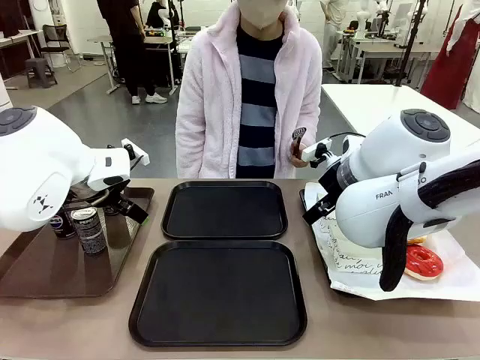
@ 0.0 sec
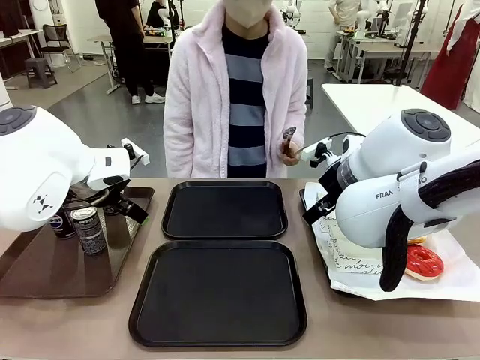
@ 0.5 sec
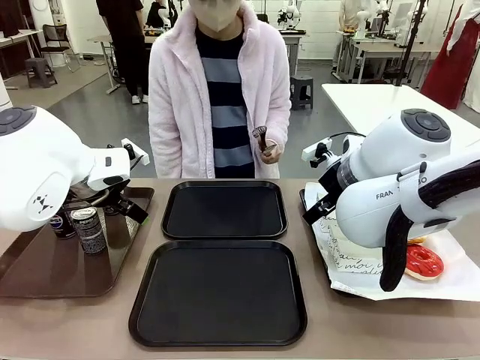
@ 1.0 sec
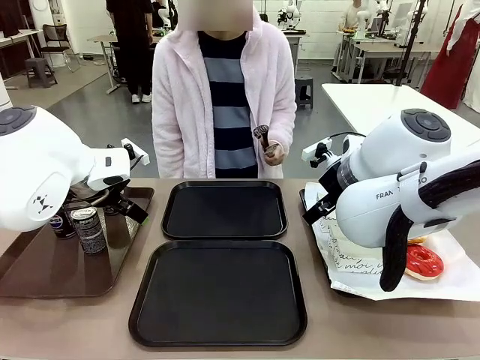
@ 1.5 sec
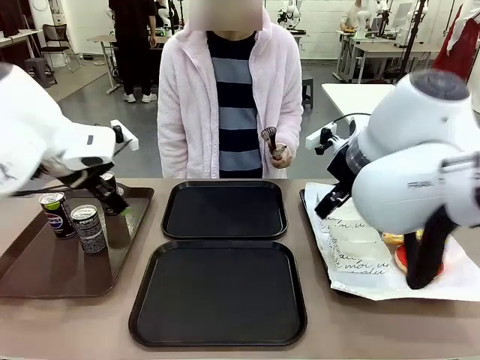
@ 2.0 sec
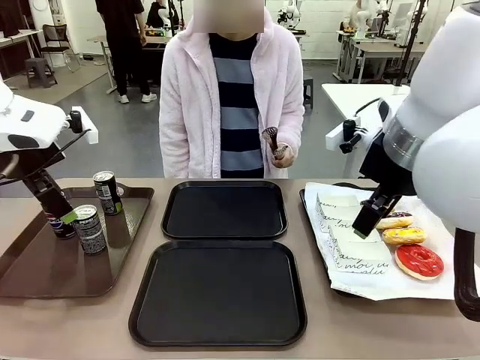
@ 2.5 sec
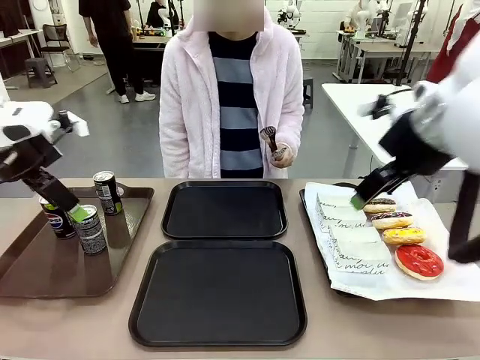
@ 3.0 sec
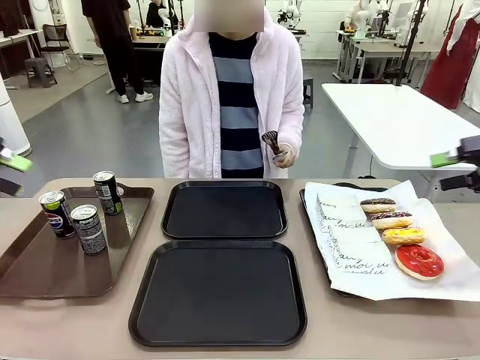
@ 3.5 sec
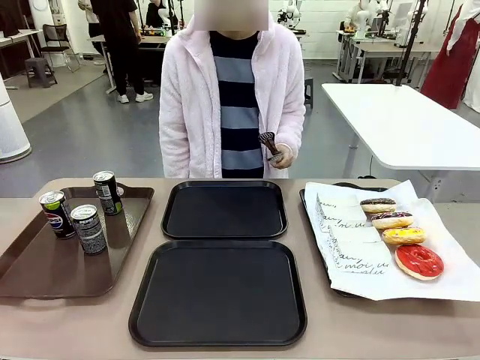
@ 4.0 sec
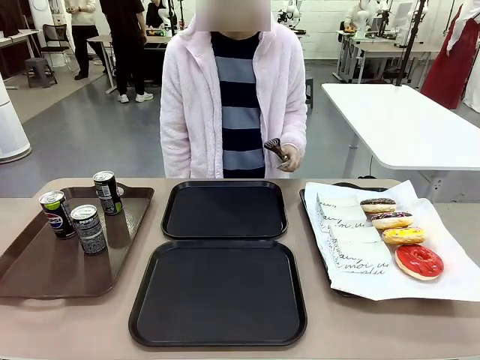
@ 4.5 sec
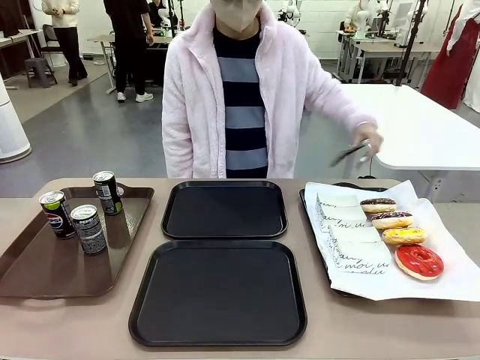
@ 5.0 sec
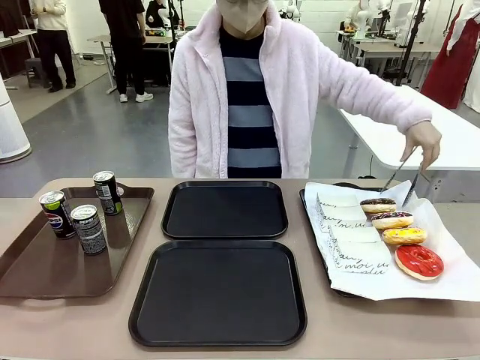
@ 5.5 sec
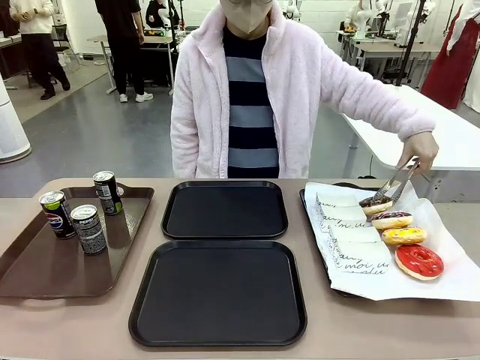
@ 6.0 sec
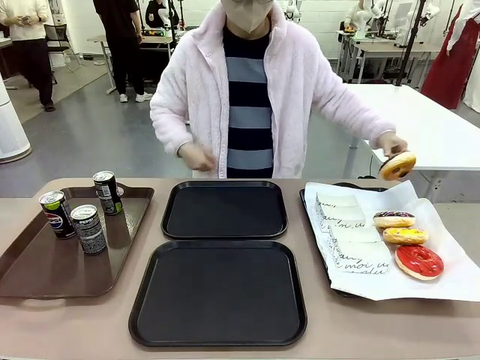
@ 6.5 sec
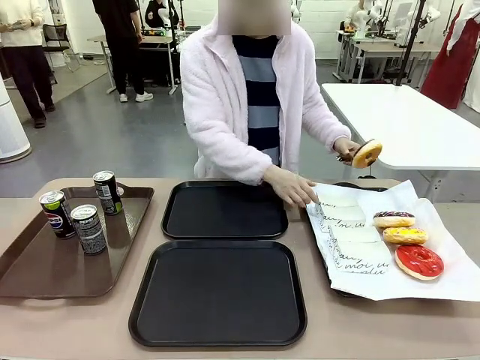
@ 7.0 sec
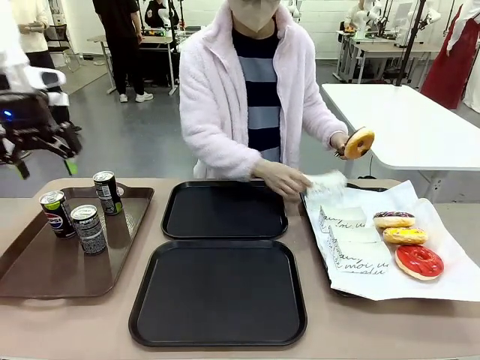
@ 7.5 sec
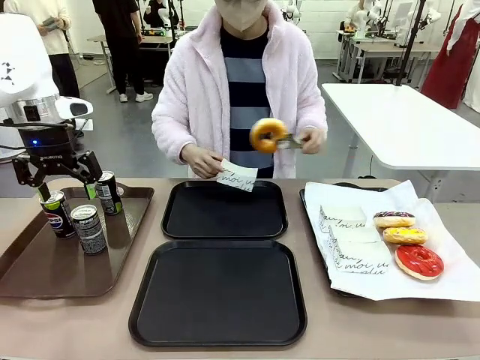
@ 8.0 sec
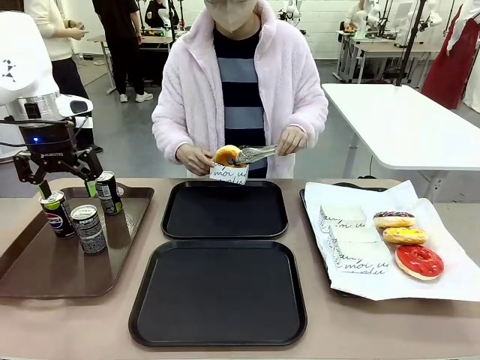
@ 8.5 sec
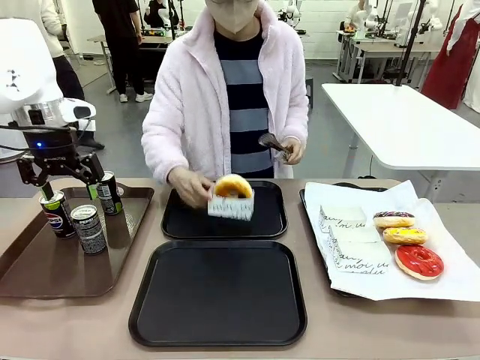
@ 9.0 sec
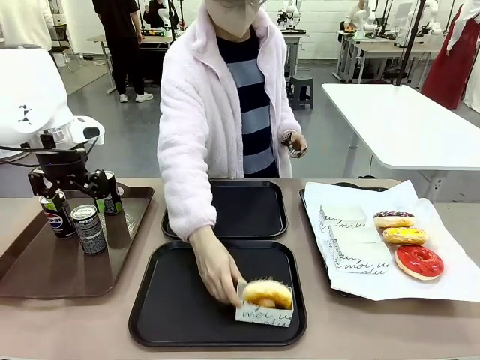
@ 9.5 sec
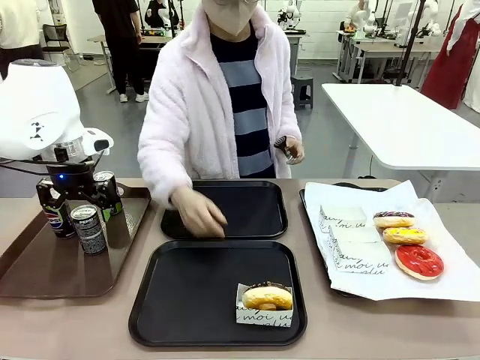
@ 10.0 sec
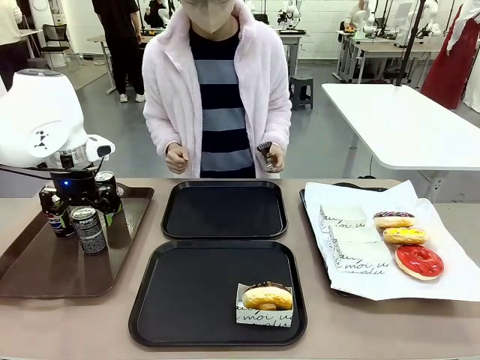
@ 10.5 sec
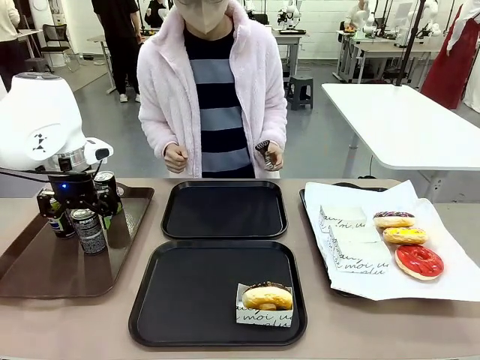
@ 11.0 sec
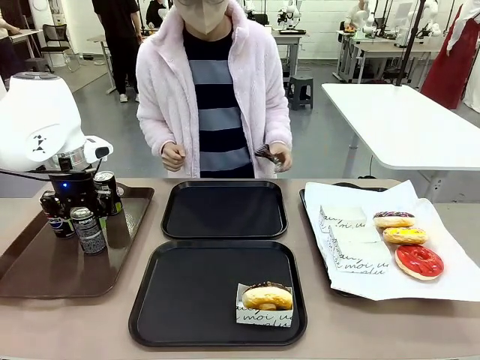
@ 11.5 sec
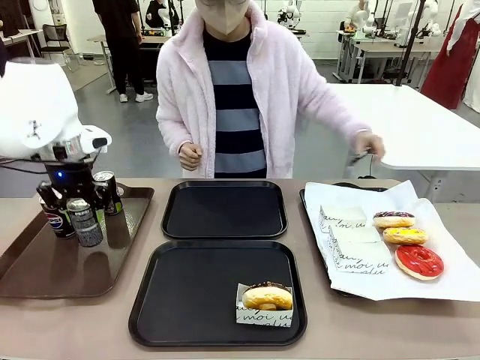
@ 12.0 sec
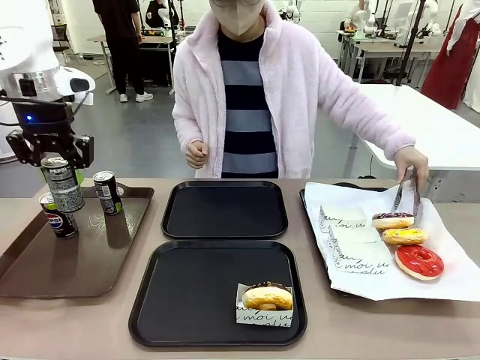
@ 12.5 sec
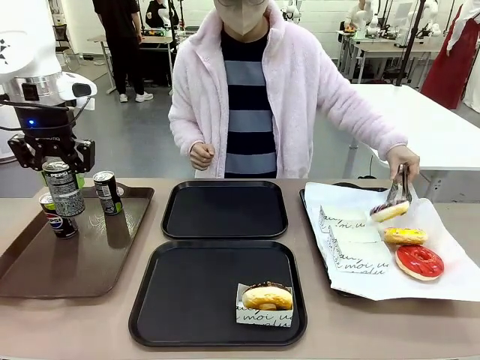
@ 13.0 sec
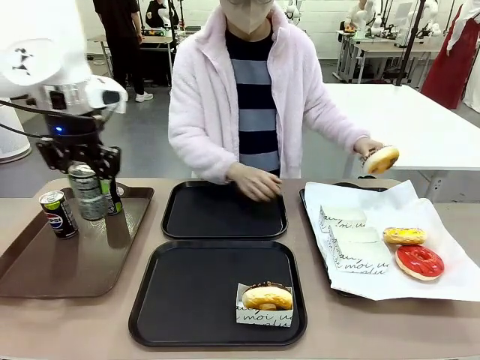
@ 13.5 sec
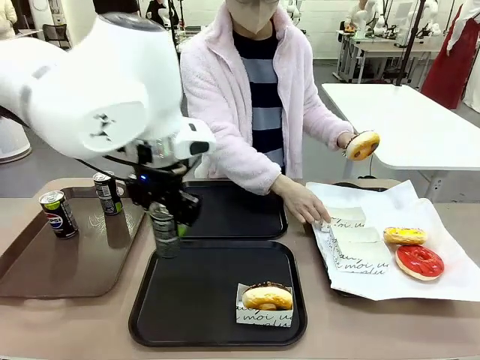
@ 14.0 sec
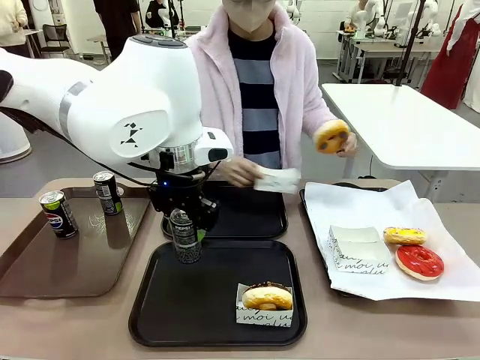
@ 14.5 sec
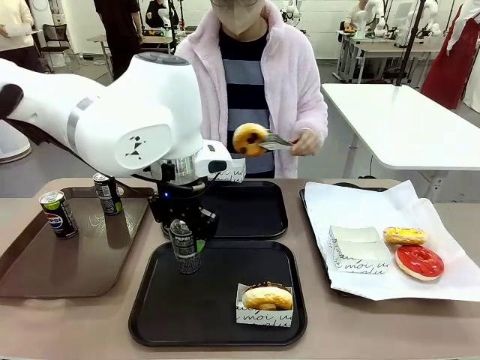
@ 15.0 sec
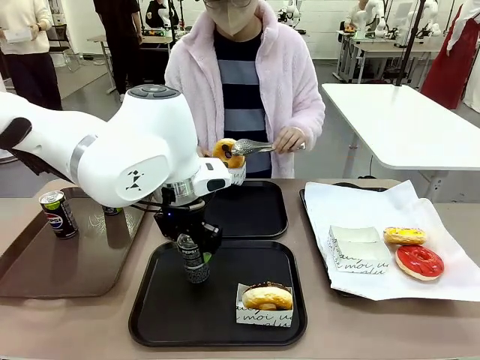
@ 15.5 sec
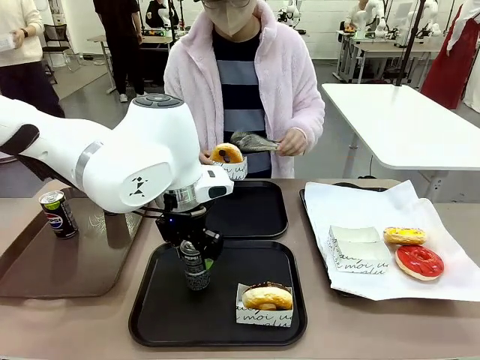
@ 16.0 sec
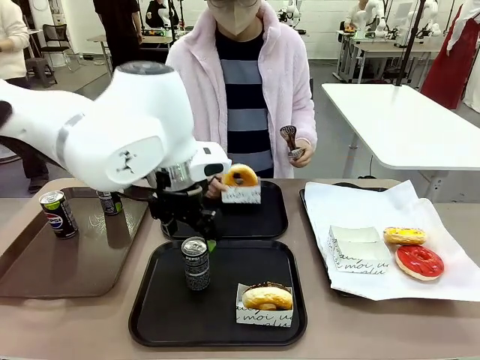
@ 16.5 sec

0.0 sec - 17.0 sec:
Task: Set up donuts and drinks on trays.
Robot: Pick up one Pepsi coke and place it on the Flat Tray.
